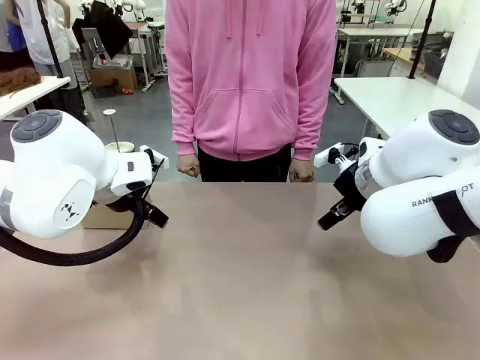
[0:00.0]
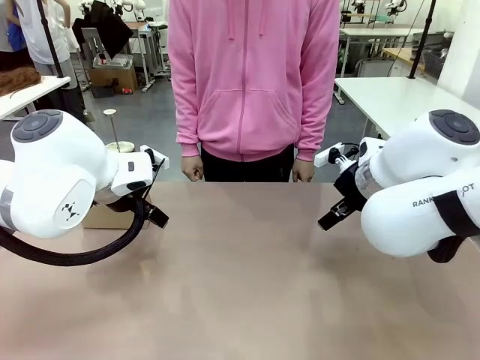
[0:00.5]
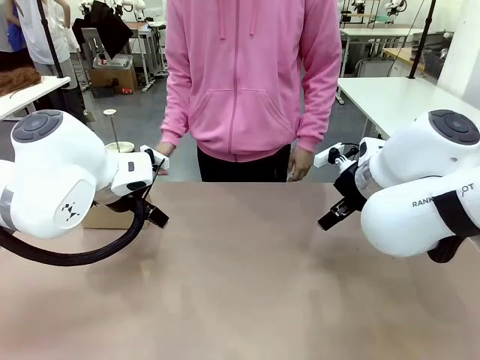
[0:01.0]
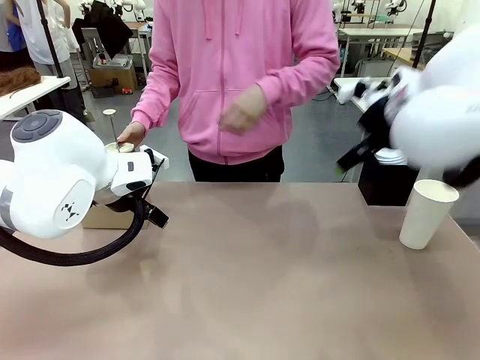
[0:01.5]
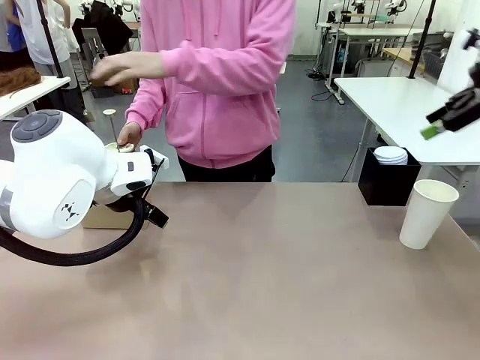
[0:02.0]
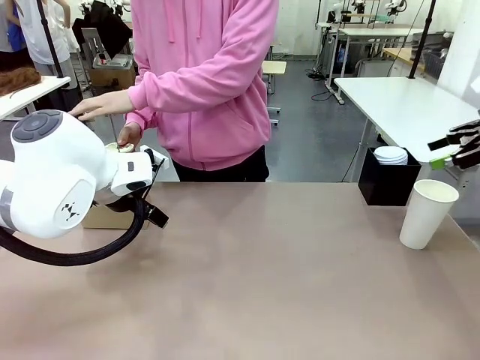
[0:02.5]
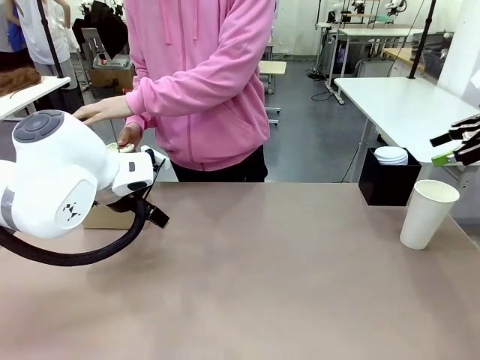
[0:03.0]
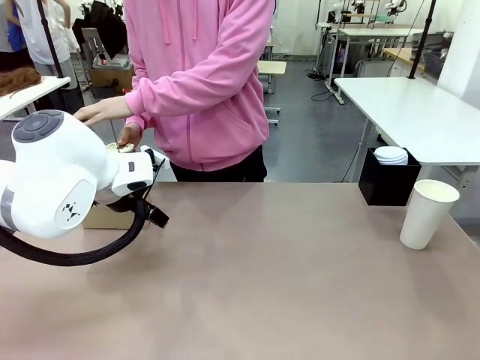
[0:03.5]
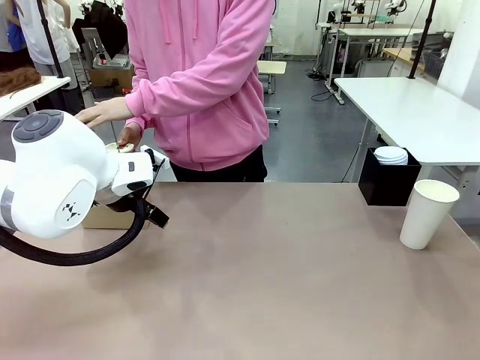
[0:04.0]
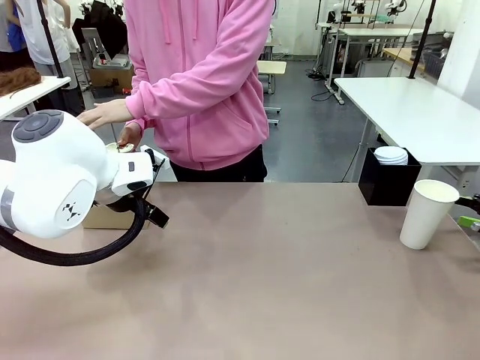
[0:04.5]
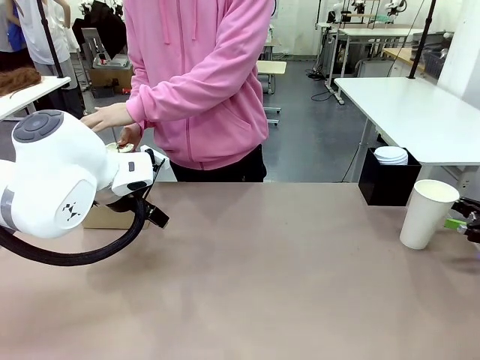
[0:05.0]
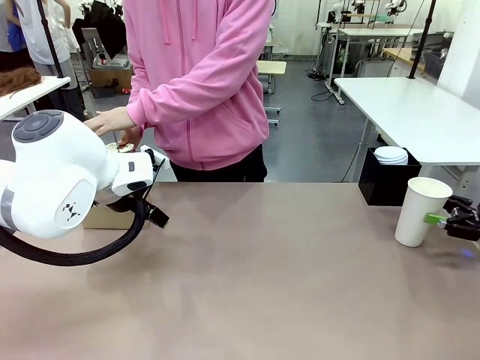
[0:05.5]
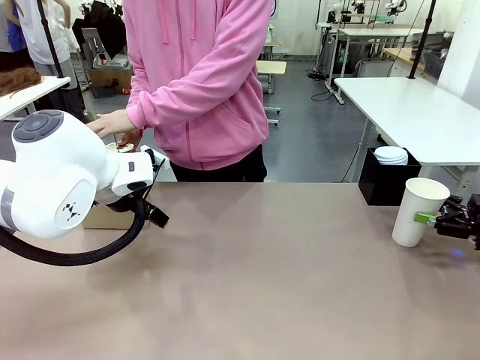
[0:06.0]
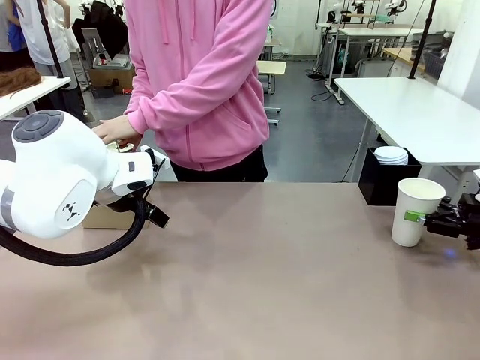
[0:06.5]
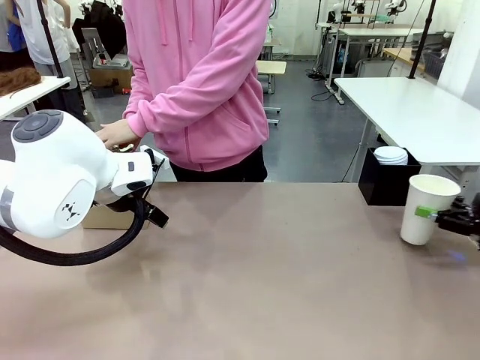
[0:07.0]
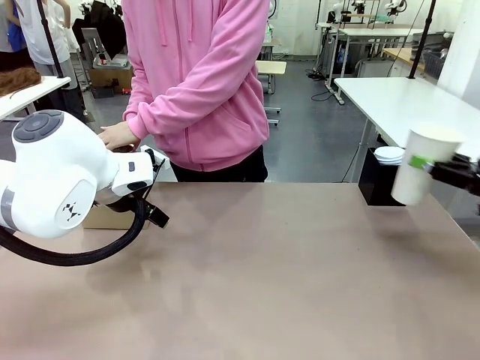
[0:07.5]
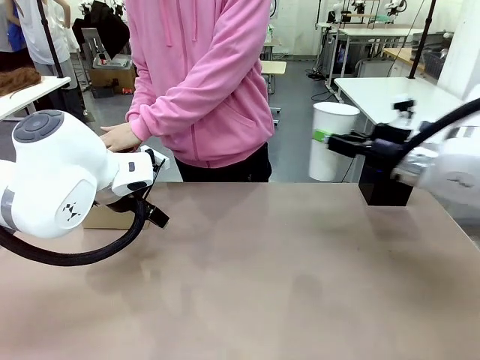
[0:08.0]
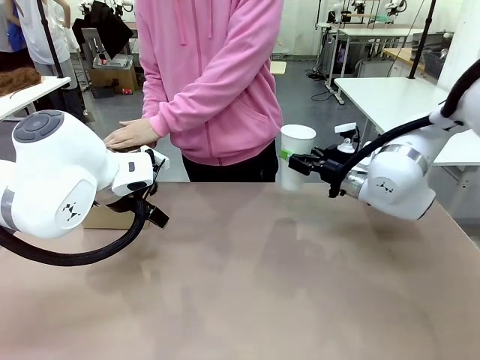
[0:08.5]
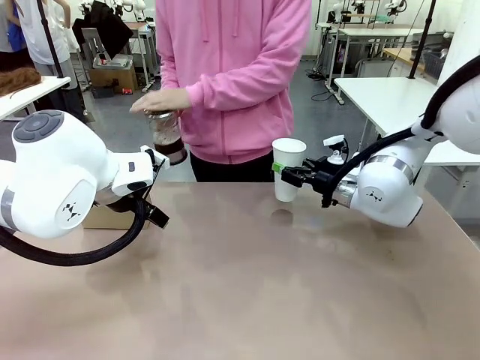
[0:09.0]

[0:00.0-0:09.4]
Task: Pour a drink into a cup and package it in a carrier.
Robot: Pick up the 600 ml Paper Cup and place it in the middle top area of the table.
Person: Press and pick up the Filter Brewing.

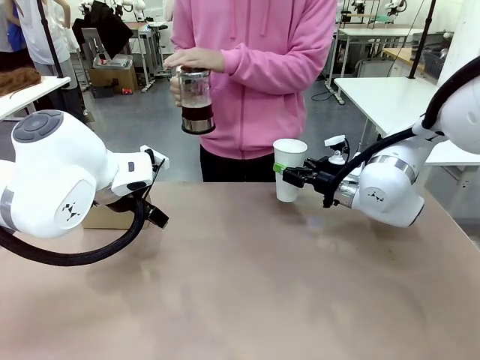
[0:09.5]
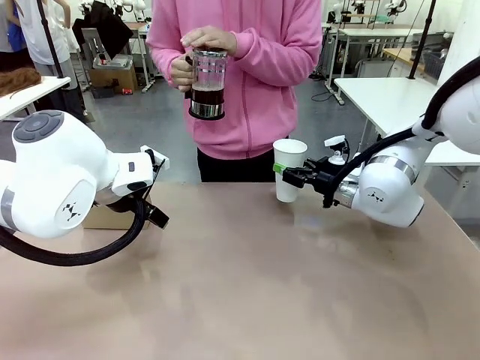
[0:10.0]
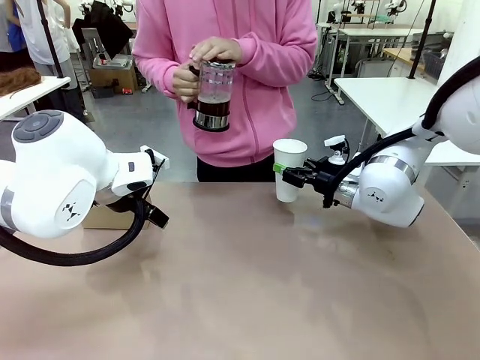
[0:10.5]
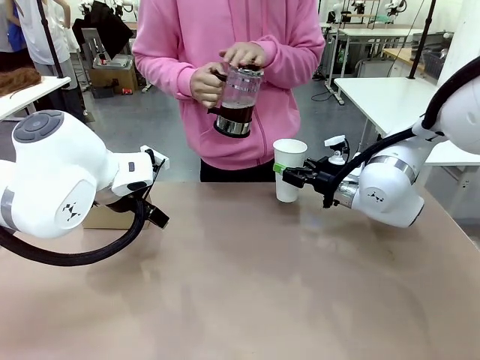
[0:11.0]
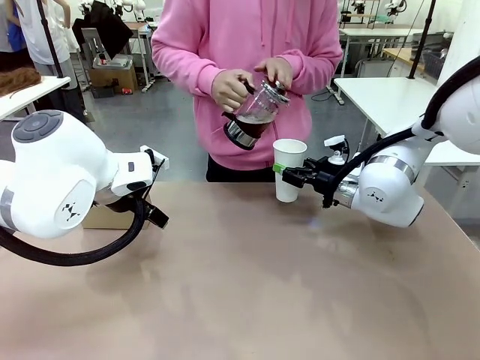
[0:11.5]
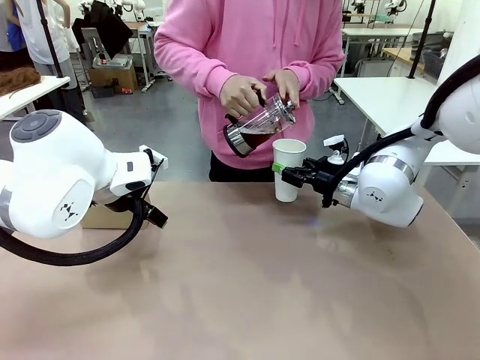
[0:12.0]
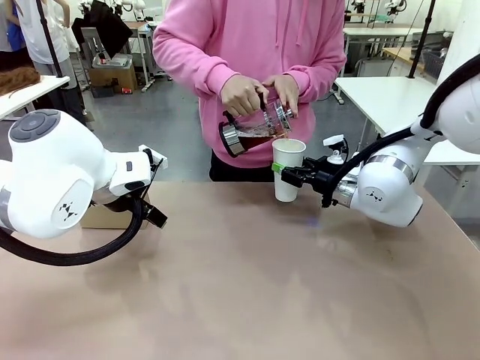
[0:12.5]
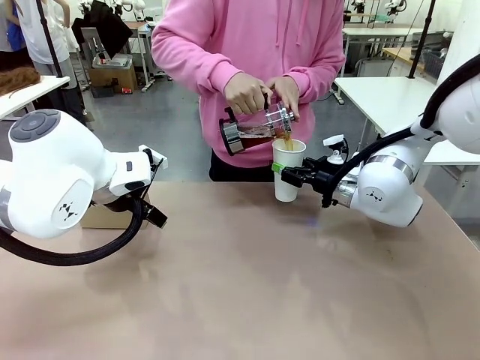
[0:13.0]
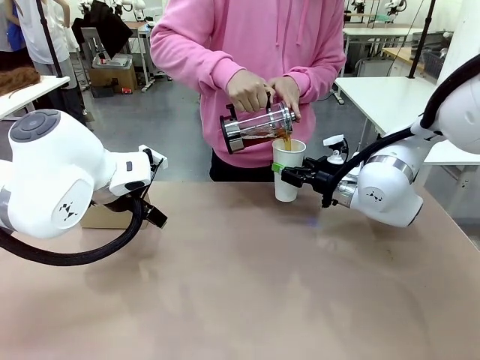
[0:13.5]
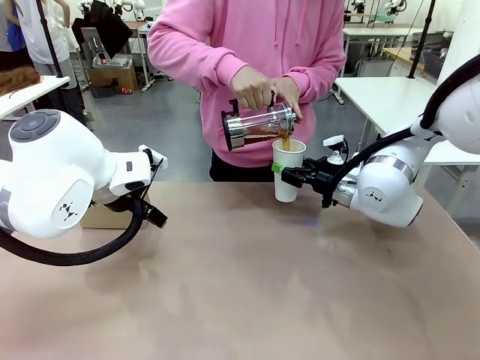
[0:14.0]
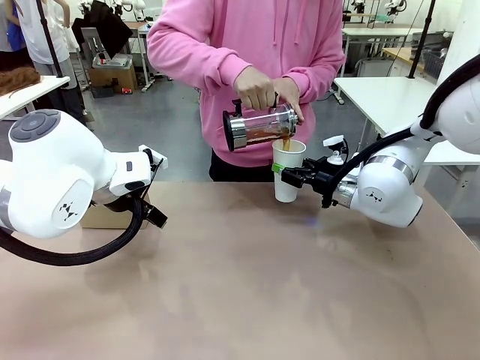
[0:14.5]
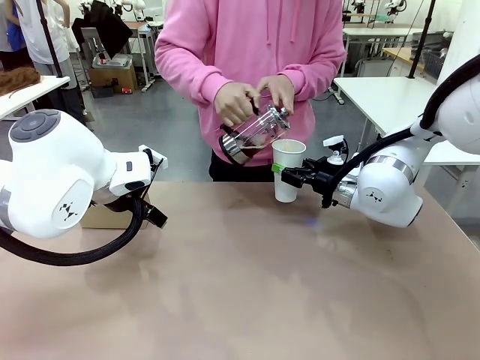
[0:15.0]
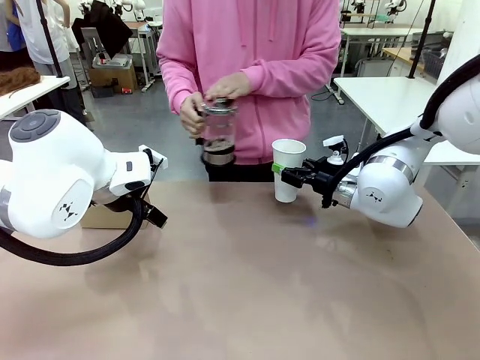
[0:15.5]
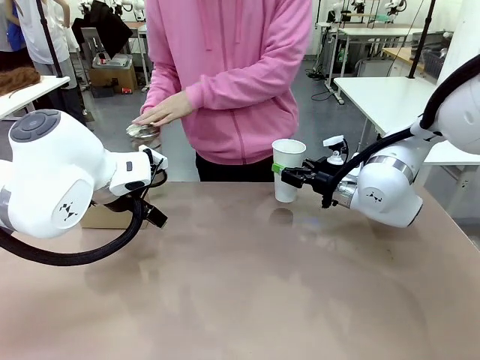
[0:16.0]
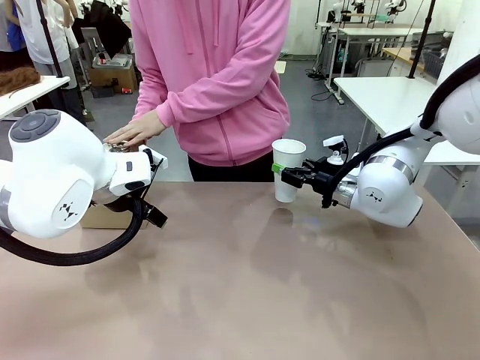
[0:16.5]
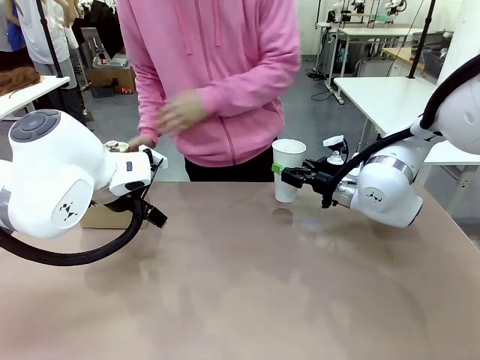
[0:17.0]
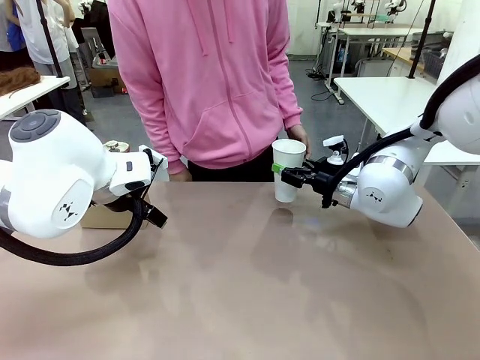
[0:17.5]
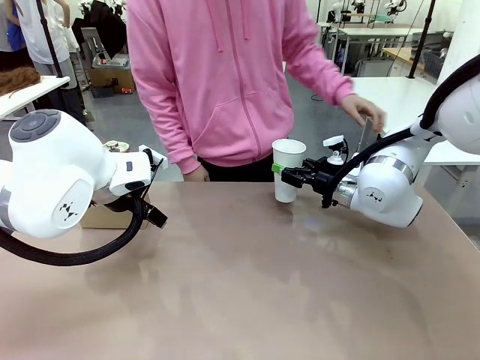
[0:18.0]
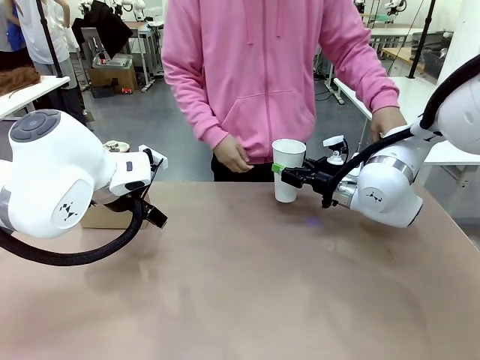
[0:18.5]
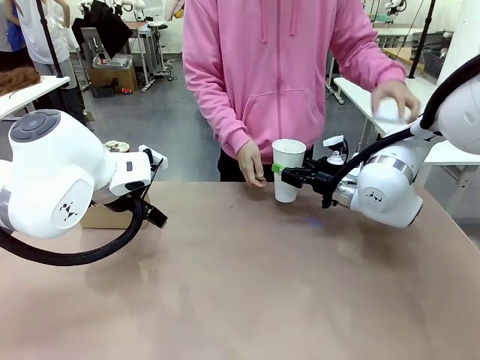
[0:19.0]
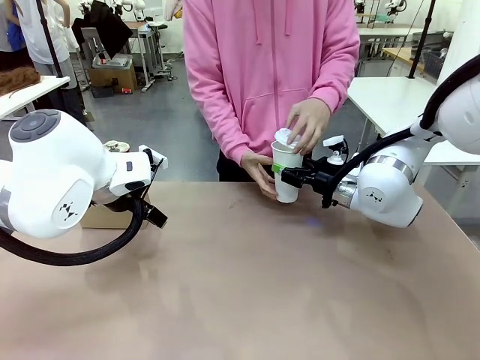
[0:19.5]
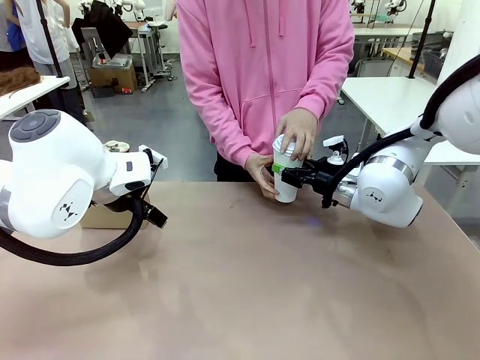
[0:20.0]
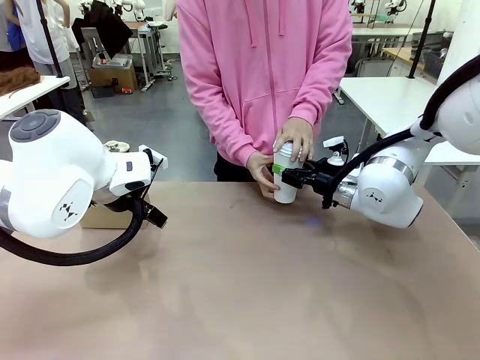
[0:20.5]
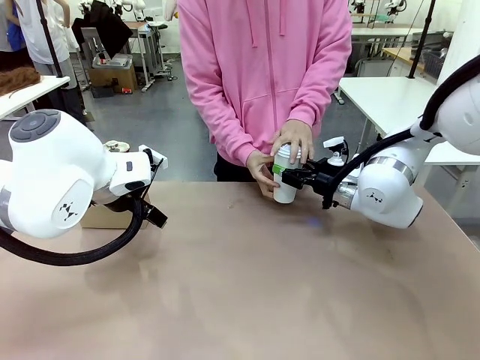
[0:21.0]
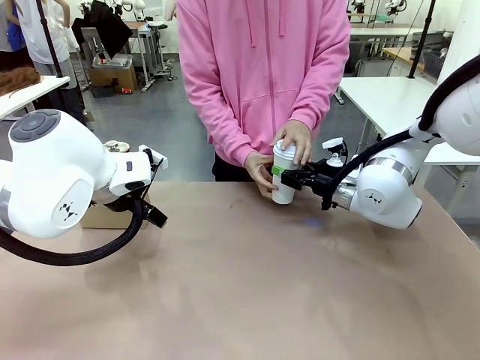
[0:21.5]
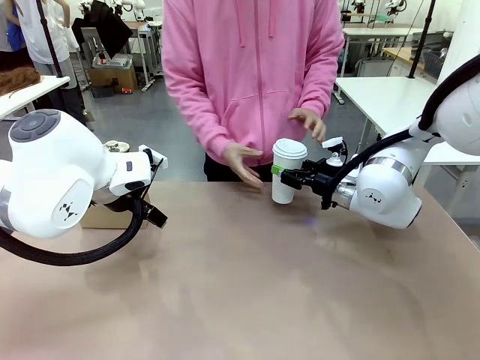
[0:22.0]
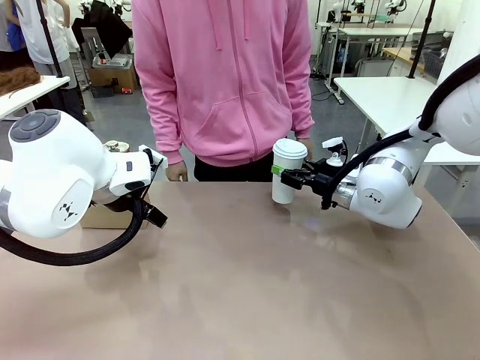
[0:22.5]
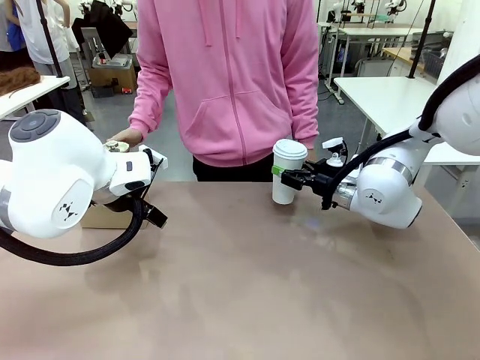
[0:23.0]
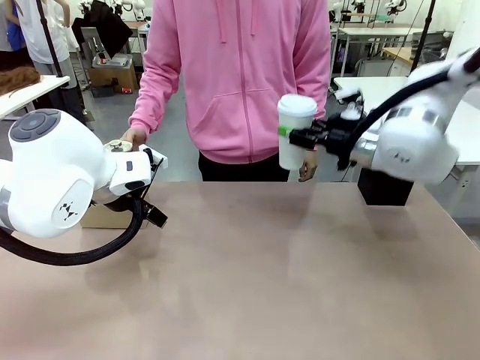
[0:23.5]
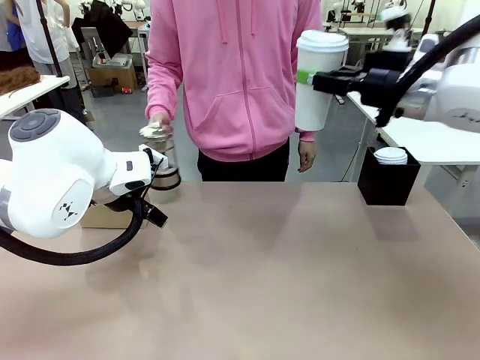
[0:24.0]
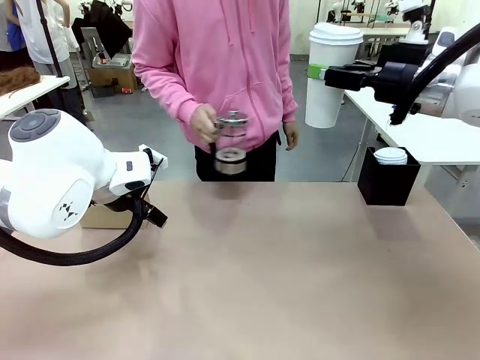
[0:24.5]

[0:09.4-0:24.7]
Robot: When a person places the Paper Cup Lid on the 600 ml Paper Cup , lift the 600 ml Paper Cup.
Person: Pour the drink from the Filter Brewing into the 600 ml Paper Cup. Place a Paper Cup Lid on the 600 ml Paper Cup.
